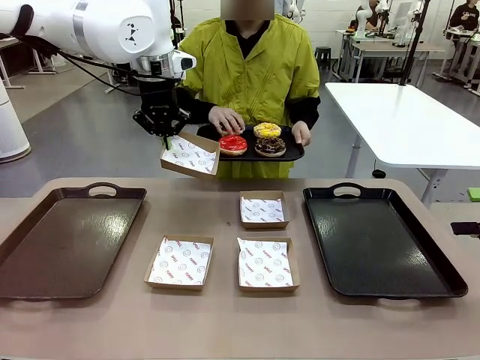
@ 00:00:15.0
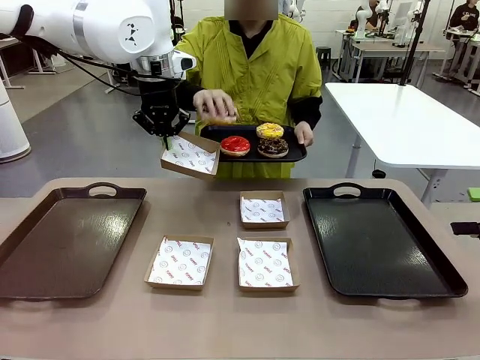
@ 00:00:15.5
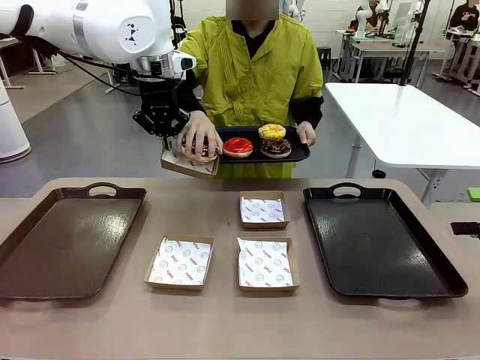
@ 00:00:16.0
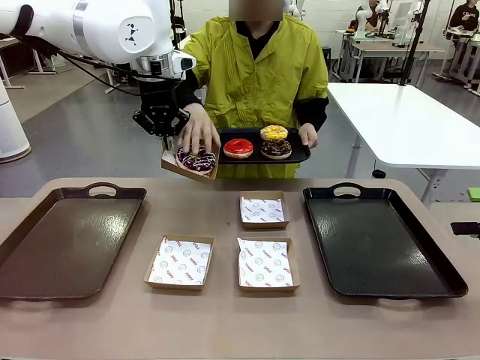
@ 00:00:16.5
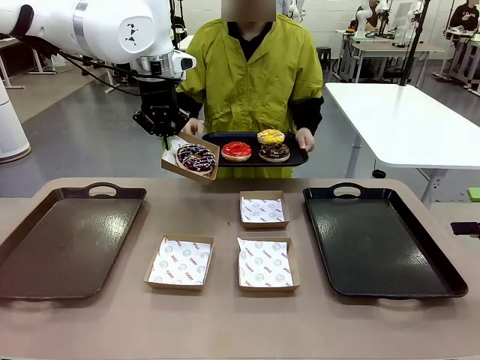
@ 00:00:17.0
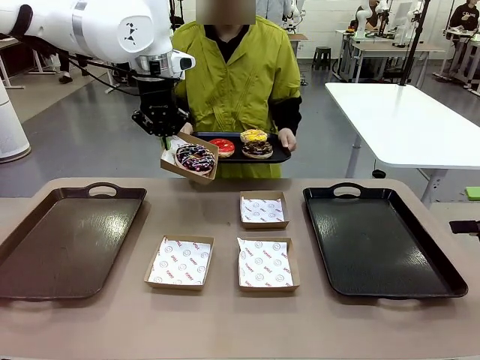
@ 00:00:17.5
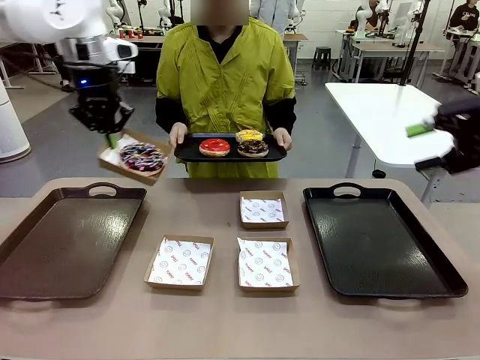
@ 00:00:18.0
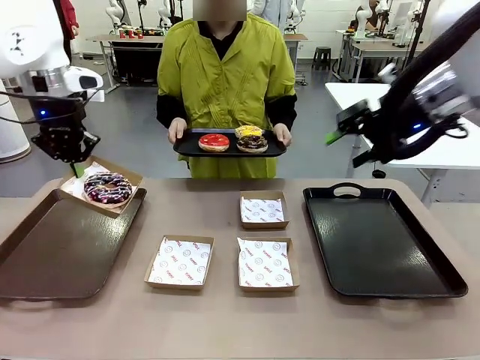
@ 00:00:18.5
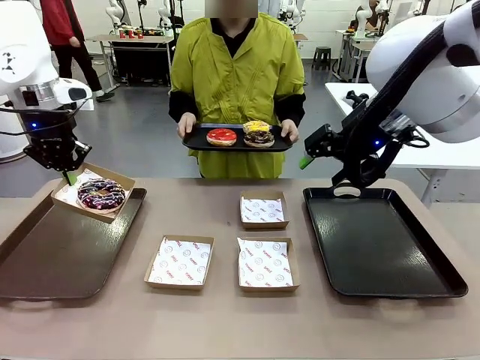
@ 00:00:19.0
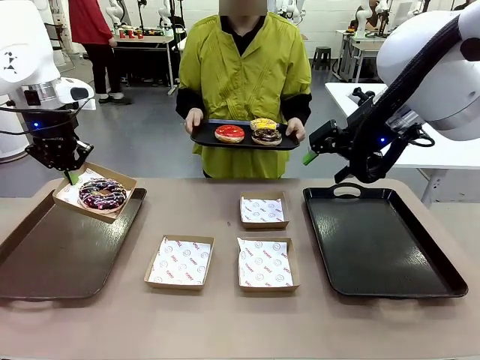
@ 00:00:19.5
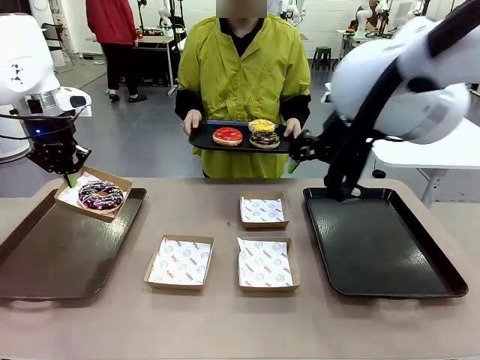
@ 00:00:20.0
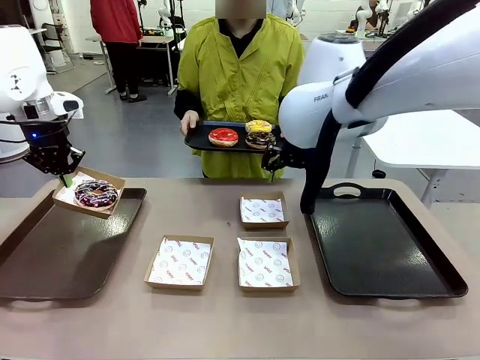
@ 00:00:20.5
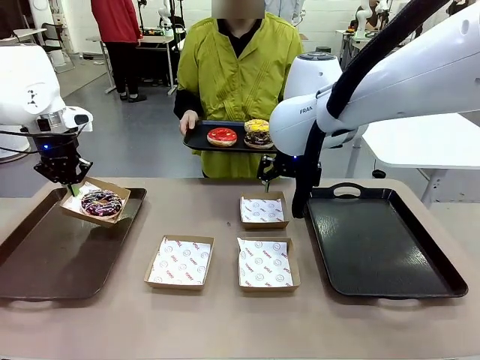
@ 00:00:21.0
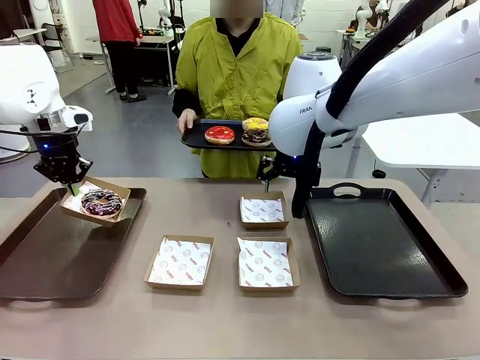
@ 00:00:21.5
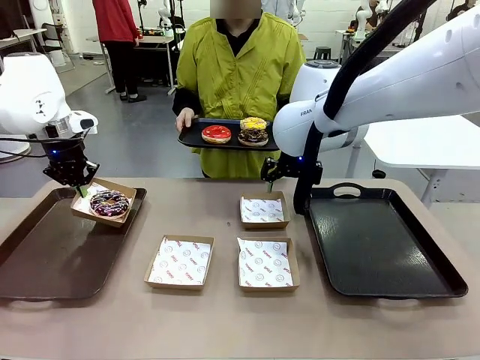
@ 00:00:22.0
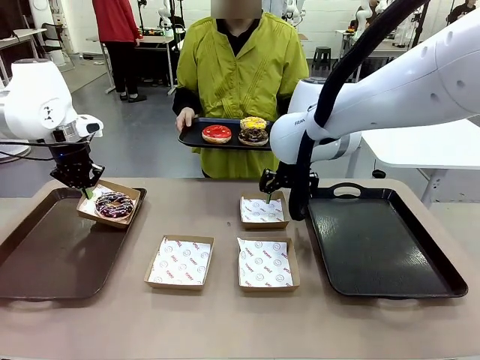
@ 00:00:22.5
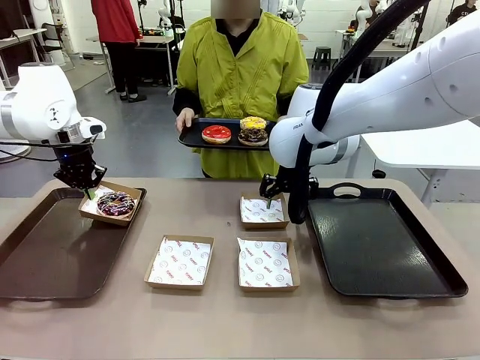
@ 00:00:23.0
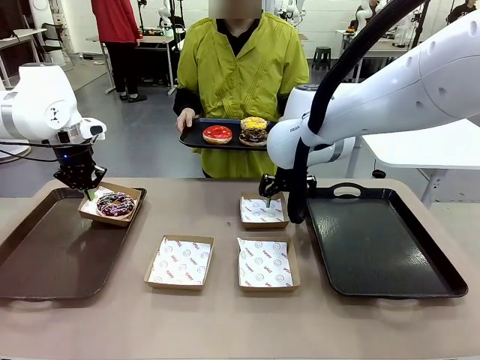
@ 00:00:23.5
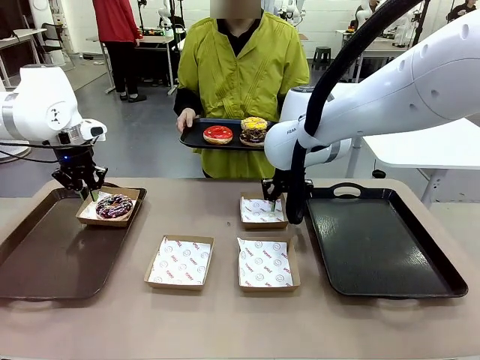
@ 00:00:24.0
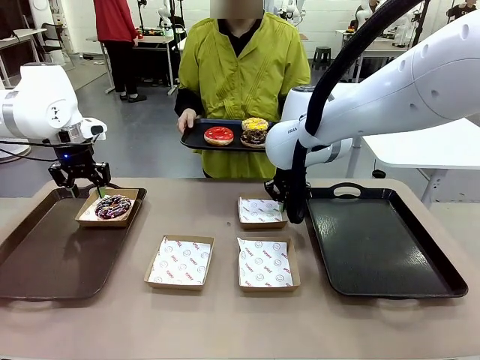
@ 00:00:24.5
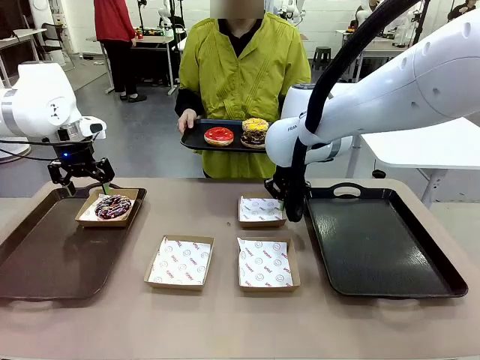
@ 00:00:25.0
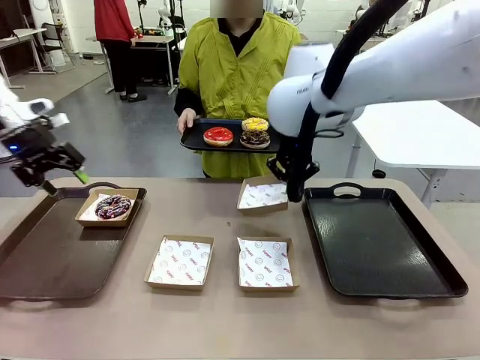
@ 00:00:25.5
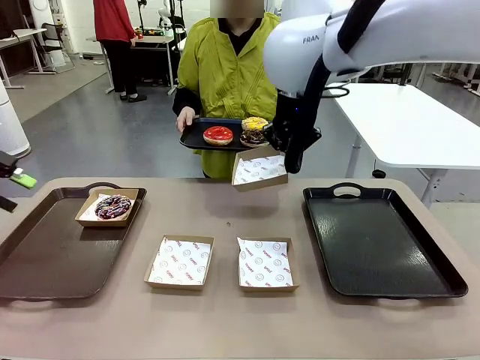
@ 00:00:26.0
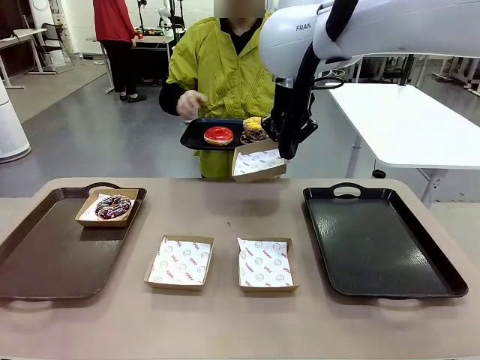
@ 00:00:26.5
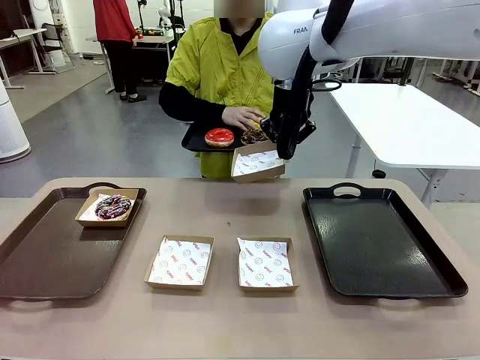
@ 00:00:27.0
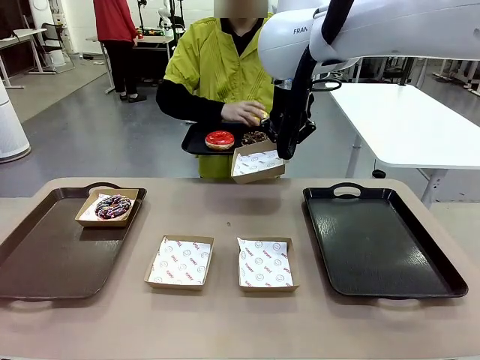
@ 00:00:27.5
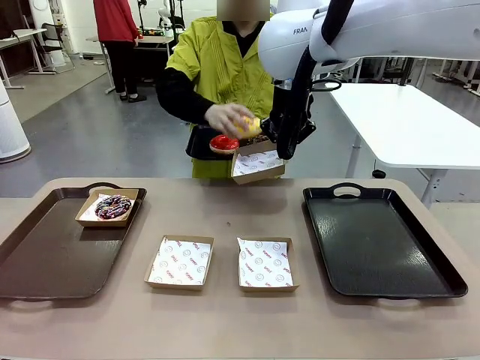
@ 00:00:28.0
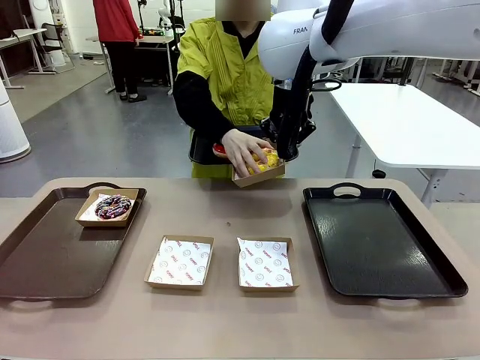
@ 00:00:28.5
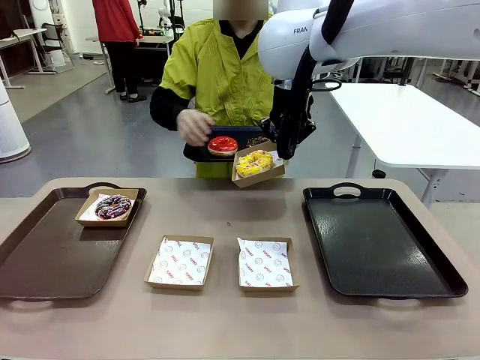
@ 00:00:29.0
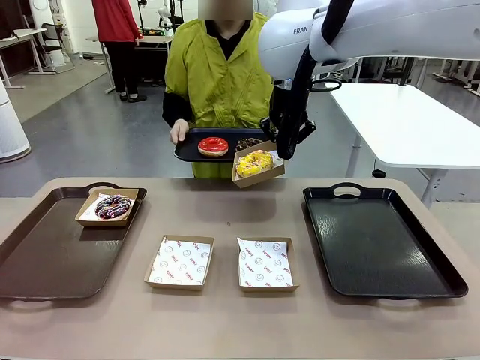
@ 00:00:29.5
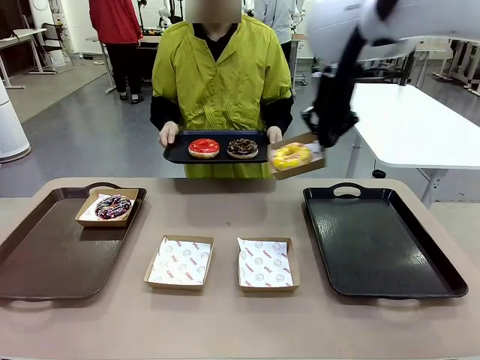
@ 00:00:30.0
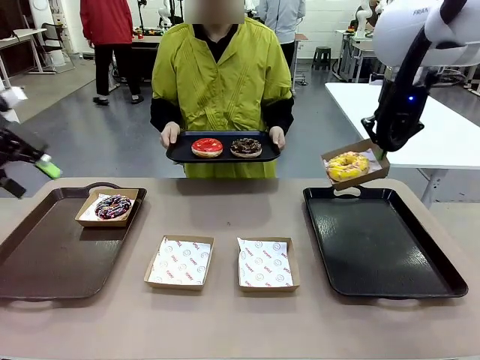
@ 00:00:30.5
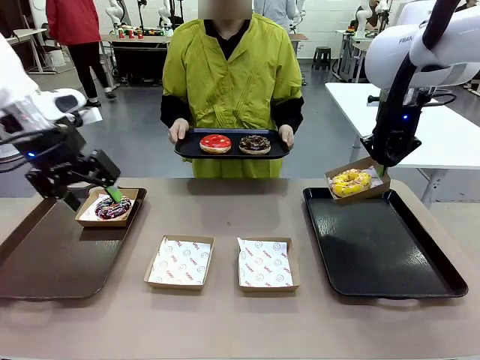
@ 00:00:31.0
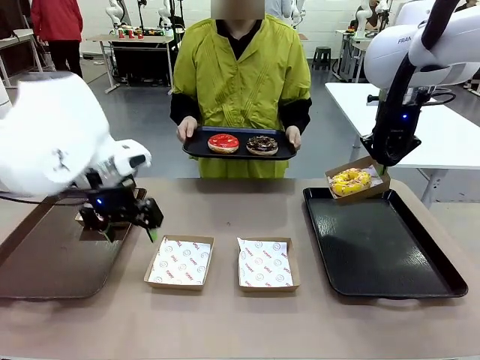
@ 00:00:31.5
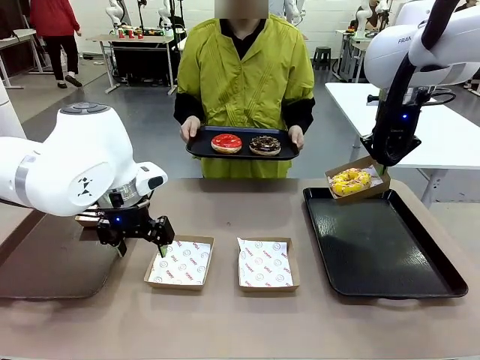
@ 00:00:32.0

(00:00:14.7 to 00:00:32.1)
Task: Individually package the donuts and arrange them on the tray.
Robot: Place the picked Paper togo box on the Handle tray while simultaneously picking up another Paper togo box from the table with the other hand.
